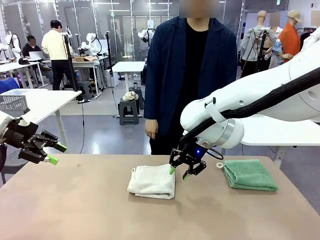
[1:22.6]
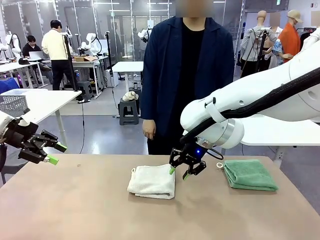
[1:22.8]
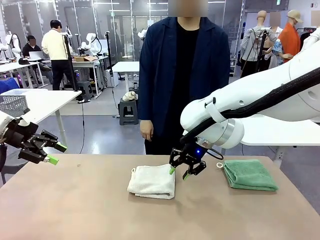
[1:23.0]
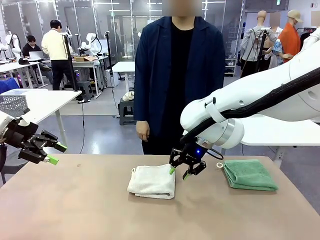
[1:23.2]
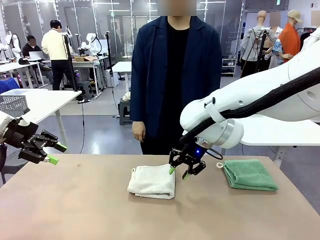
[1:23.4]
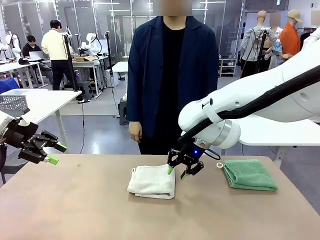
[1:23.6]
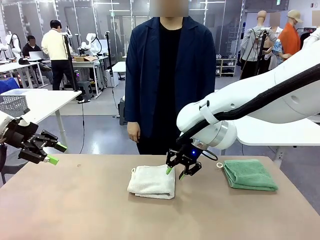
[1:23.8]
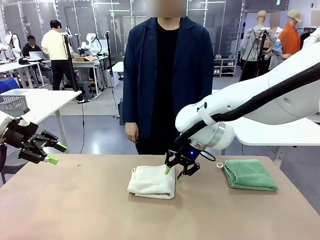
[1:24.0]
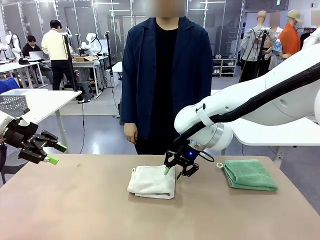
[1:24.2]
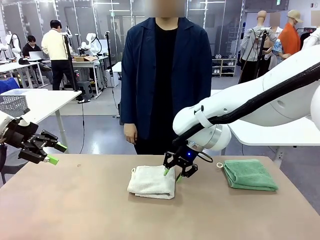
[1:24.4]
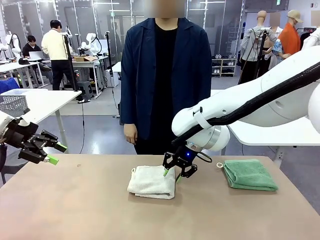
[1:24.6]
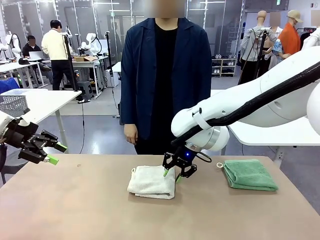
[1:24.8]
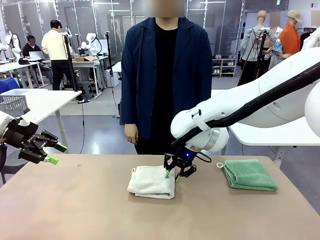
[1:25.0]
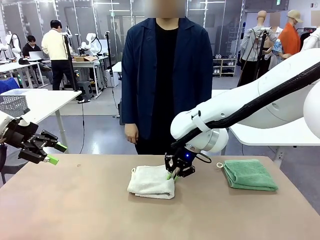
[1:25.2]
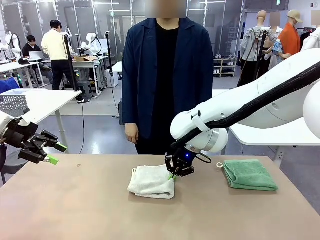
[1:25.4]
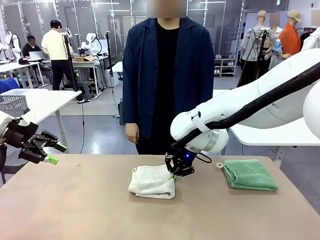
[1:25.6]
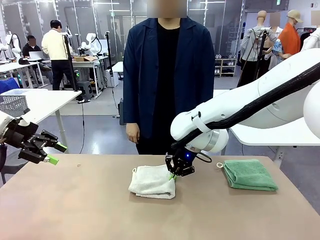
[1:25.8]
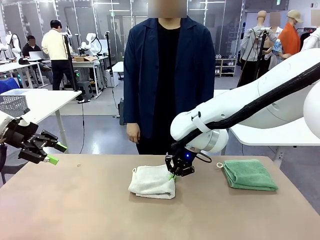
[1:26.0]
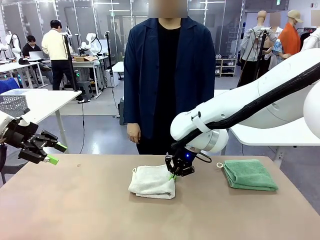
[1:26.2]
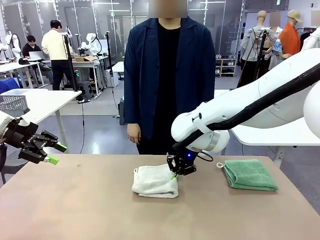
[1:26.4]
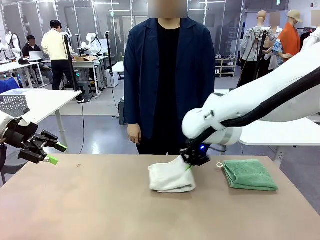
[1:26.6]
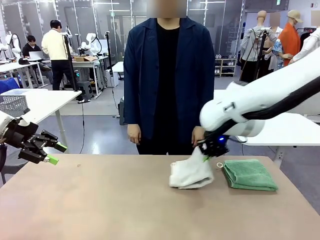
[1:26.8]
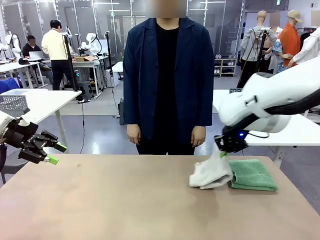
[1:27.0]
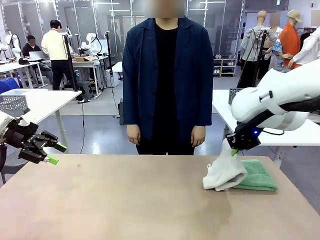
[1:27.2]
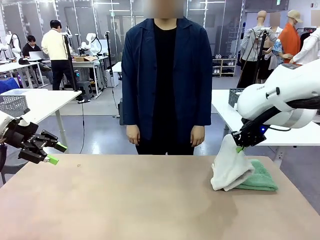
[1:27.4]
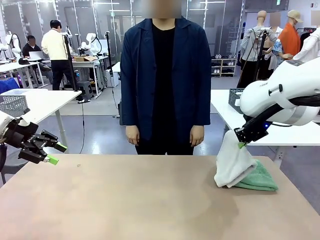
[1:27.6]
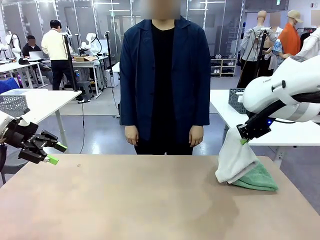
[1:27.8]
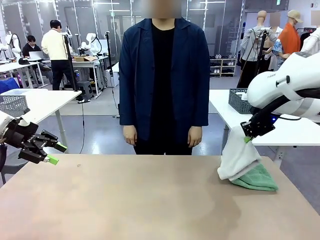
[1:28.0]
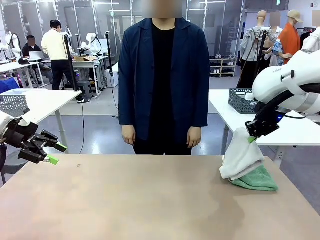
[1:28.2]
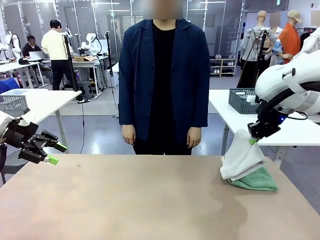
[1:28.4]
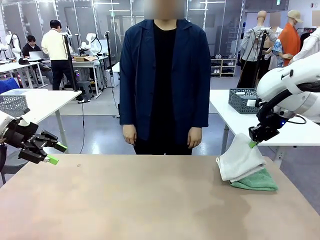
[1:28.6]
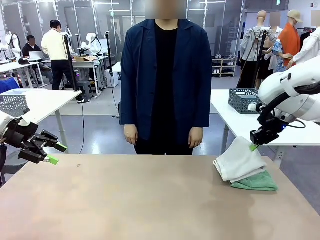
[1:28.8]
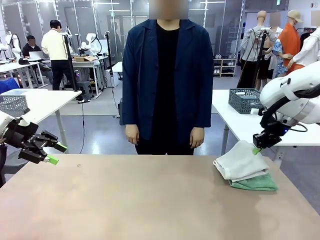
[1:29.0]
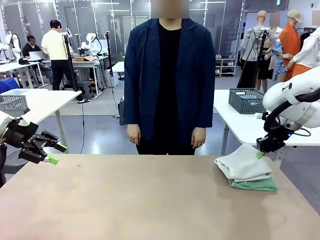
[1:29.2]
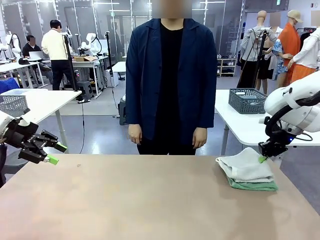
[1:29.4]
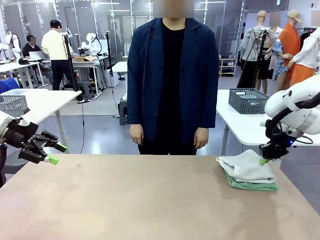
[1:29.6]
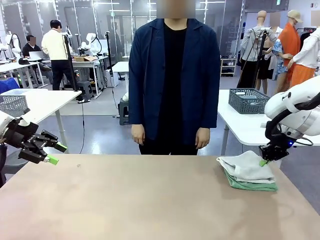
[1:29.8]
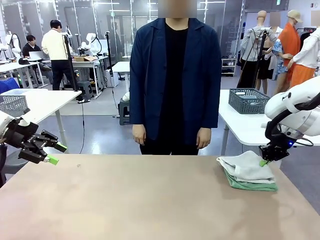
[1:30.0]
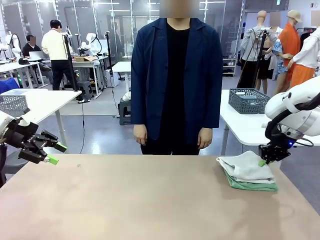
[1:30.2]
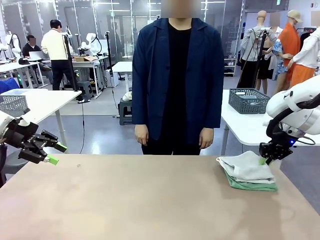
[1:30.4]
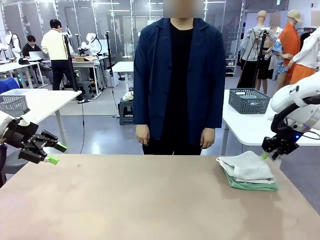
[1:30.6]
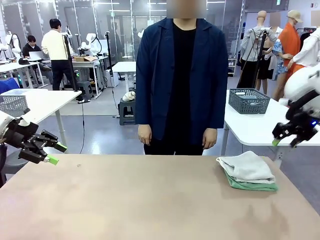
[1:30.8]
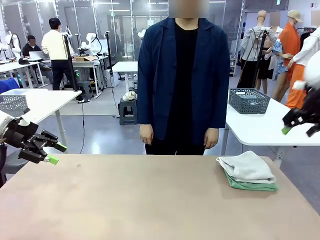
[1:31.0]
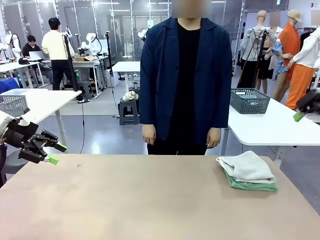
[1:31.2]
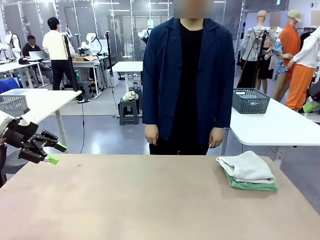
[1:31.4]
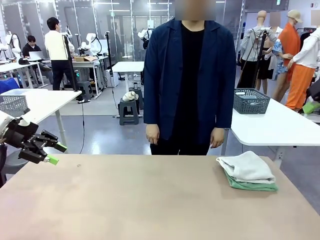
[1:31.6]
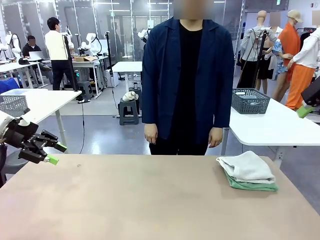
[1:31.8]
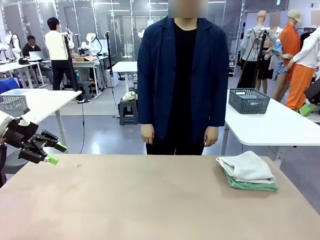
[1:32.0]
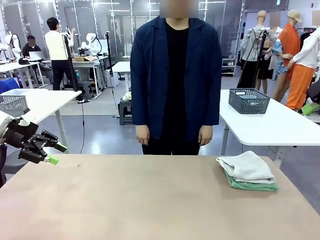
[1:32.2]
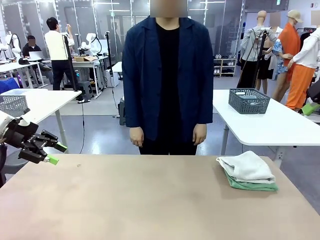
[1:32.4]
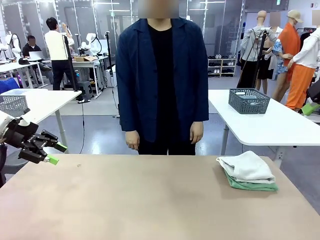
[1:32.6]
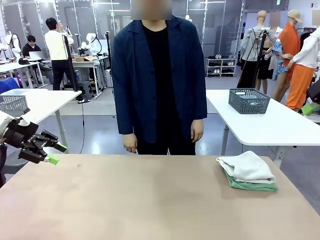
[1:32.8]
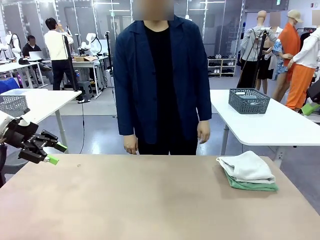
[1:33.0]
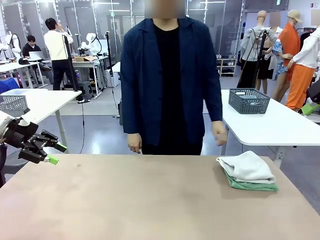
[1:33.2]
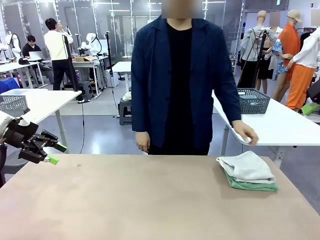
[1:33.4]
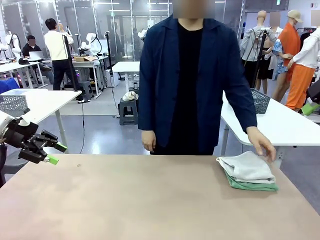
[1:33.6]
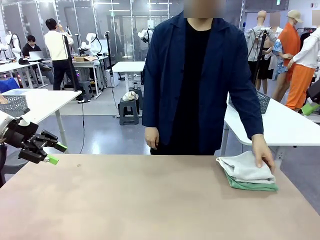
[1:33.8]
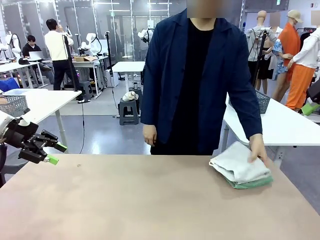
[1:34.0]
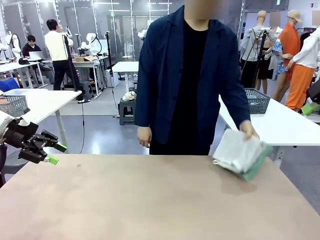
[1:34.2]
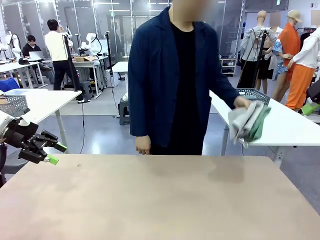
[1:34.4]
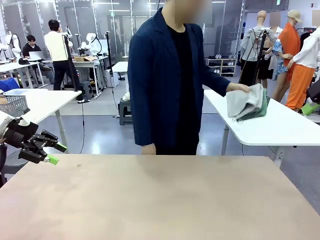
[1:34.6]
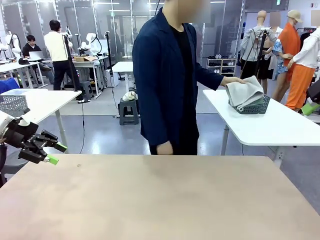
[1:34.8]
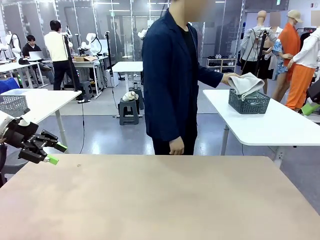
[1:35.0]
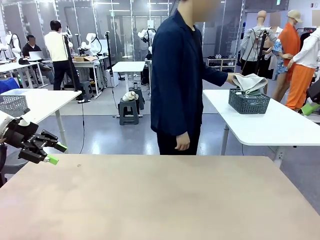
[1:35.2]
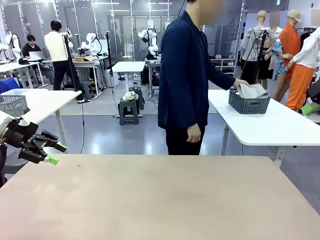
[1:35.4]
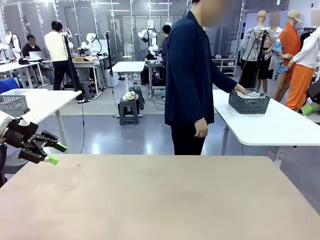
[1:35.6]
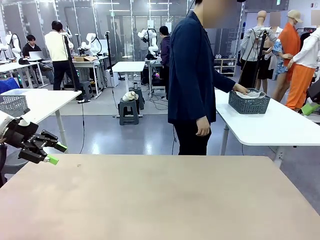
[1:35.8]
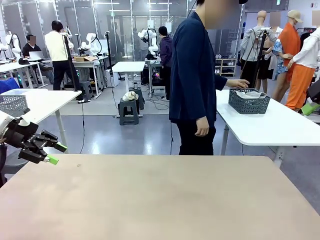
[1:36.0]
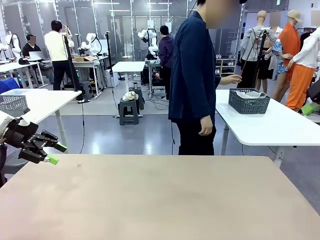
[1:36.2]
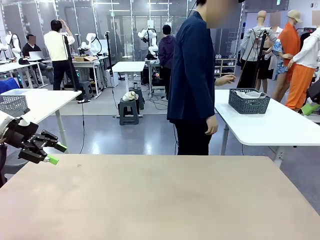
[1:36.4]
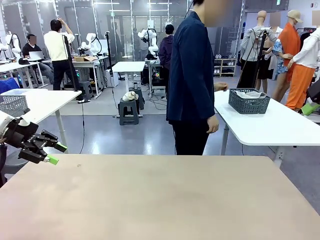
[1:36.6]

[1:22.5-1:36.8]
Task: Fold the towels and place them in the basket.
Robot: Stack the folded Towel with hook on the right side of the table.
Person: Pick up the stack of towels from the robot table and place it into the basket.

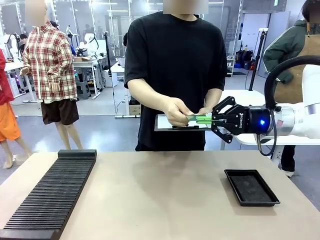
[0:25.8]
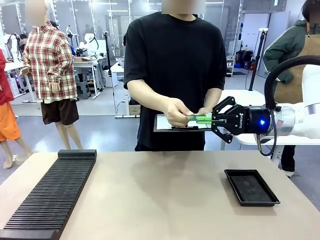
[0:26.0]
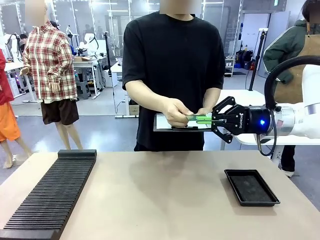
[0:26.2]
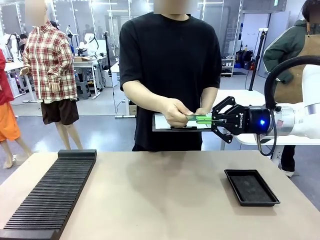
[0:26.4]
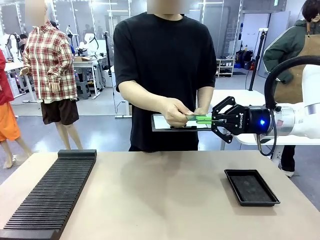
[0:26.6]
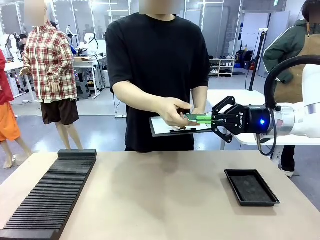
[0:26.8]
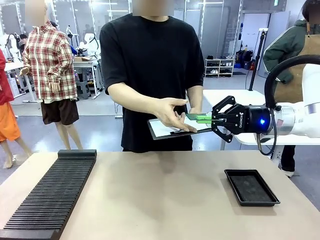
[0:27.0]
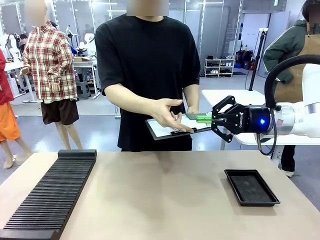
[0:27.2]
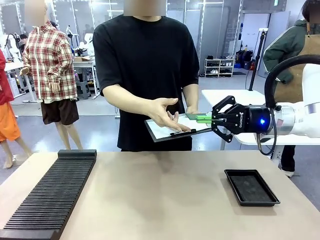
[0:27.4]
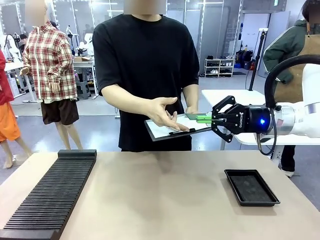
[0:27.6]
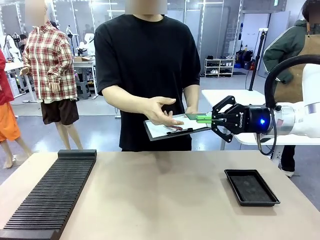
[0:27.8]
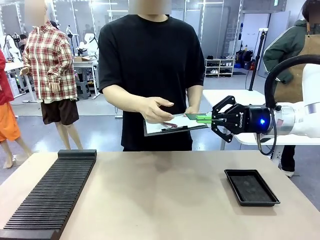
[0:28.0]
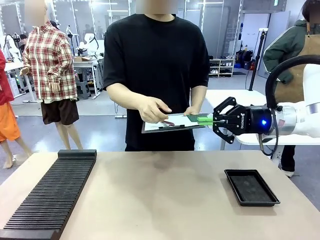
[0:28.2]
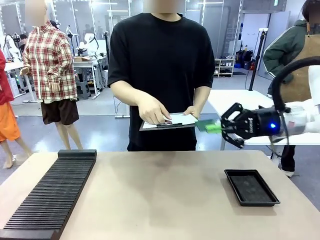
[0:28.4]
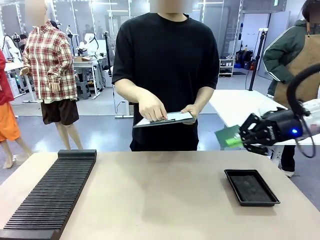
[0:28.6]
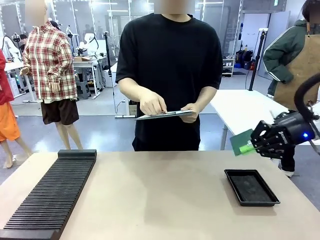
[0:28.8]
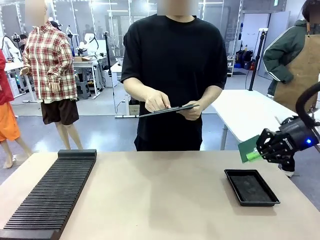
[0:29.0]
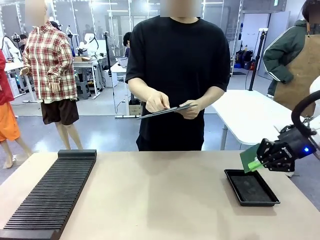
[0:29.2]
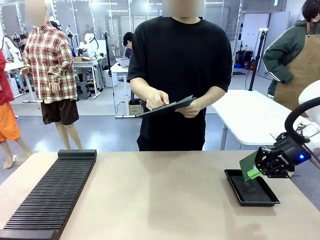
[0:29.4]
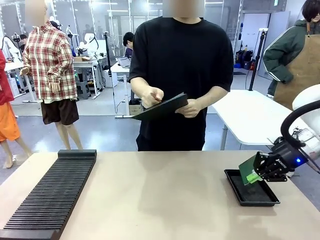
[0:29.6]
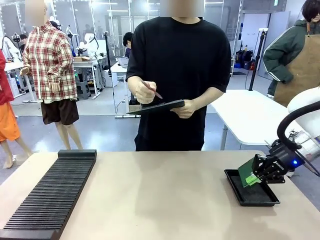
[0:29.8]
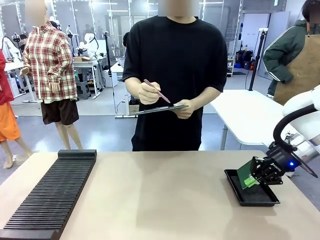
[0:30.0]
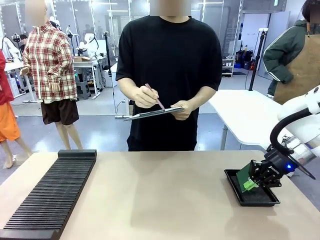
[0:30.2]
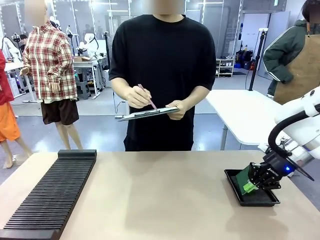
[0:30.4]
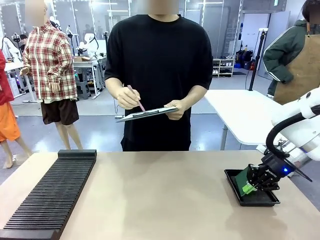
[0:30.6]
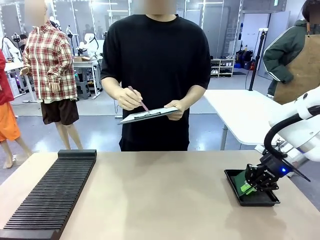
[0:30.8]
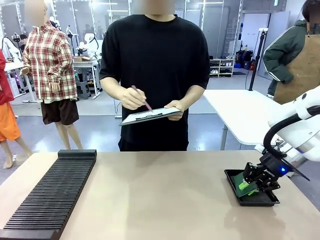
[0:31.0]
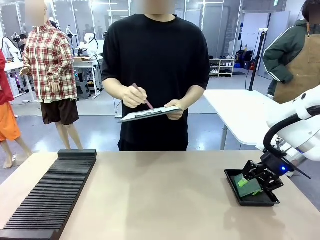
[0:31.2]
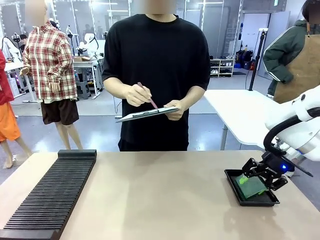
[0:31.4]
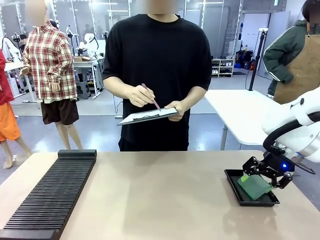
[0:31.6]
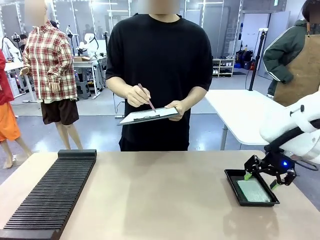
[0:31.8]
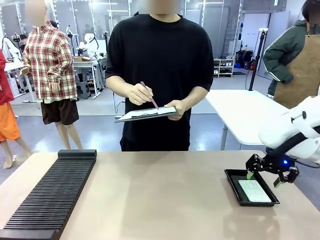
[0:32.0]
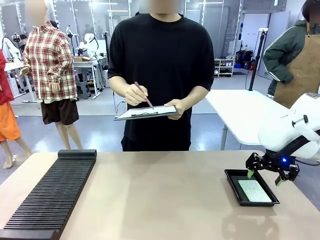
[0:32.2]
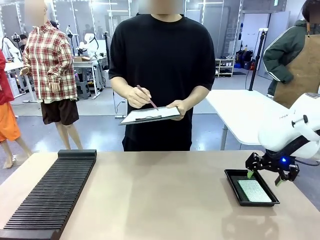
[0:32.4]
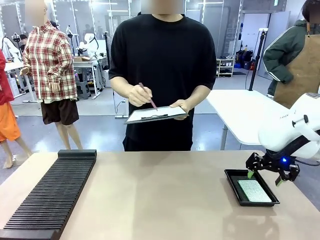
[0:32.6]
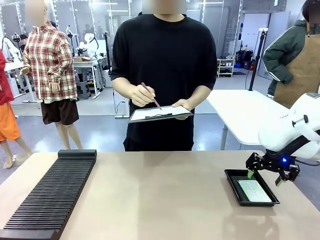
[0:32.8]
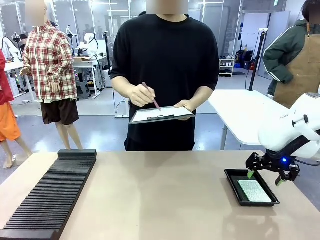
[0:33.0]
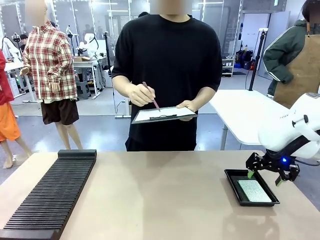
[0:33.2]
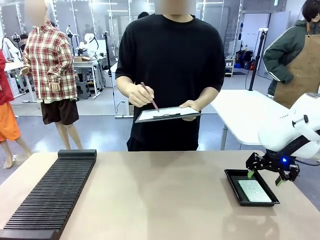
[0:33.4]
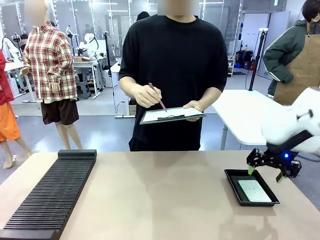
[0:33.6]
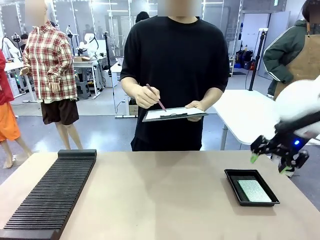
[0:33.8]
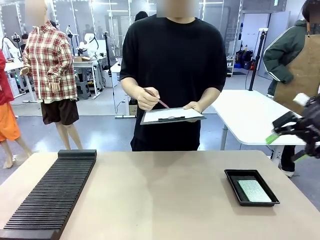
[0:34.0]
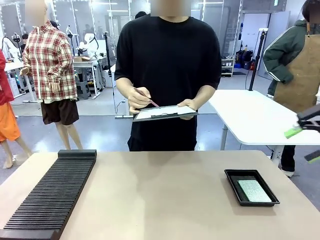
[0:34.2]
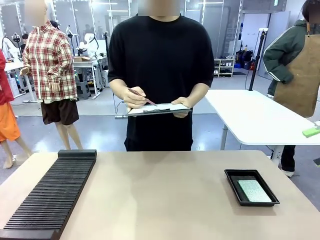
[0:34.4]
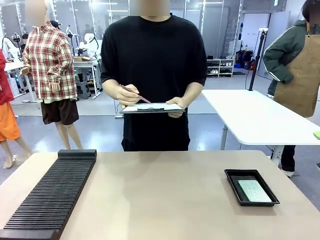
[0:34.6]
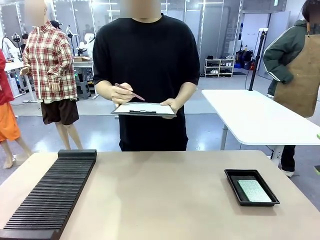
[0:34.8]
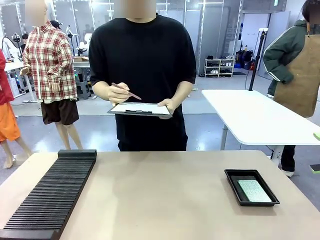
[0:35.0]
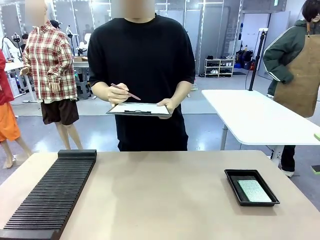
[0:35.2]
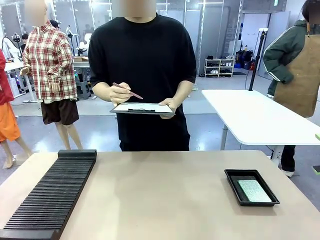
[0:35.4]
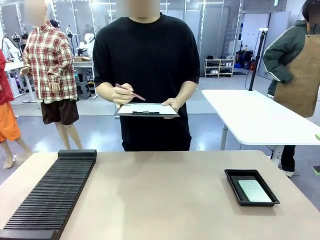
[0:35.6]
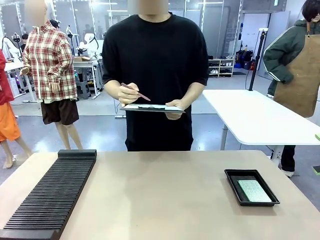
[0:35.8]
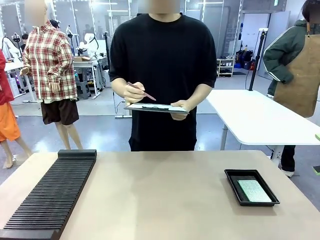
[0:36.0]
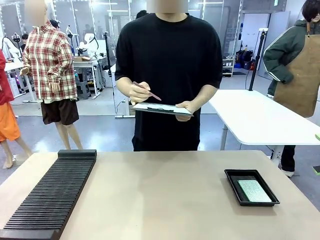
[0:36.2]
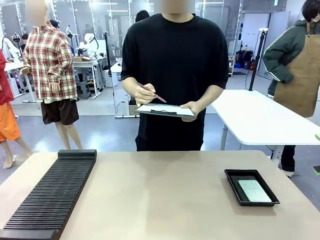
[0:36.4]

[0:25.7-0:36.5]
Task: Inspect the PCB.
Robot: Place the Blank PCB in the ESD tray.
Person: Record the PCB status on the paper.
